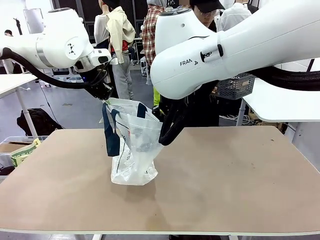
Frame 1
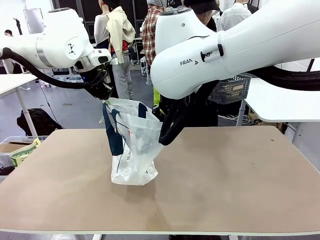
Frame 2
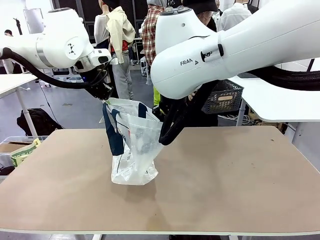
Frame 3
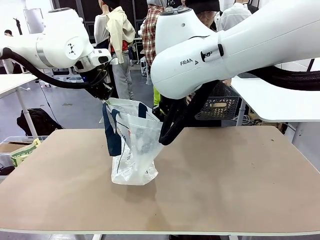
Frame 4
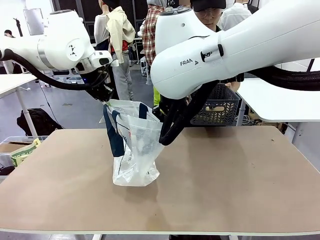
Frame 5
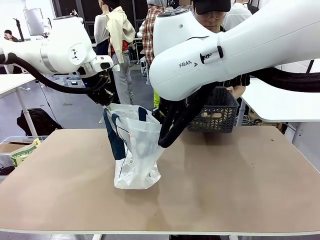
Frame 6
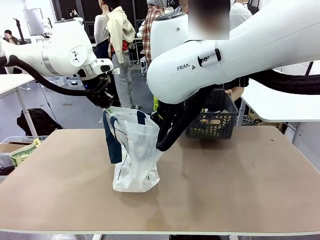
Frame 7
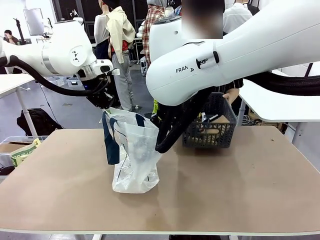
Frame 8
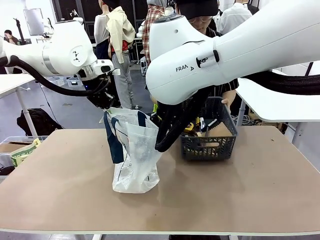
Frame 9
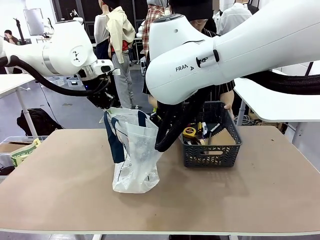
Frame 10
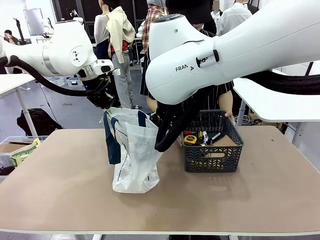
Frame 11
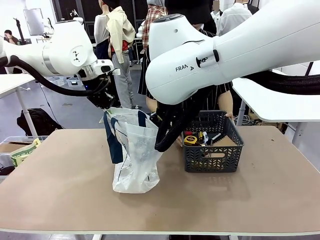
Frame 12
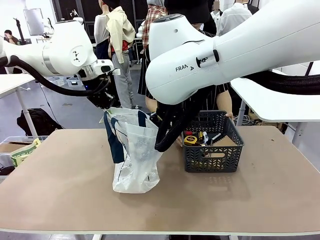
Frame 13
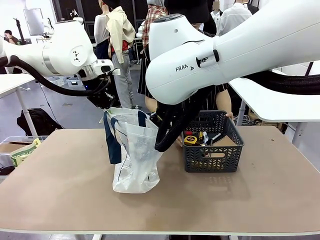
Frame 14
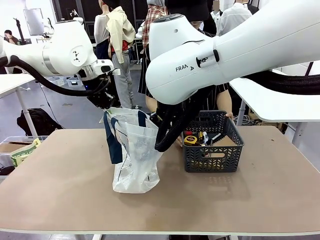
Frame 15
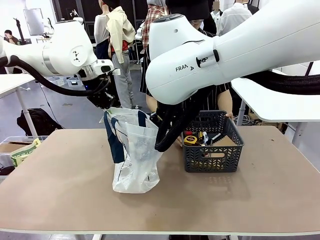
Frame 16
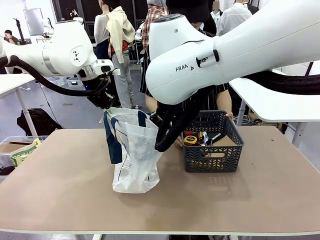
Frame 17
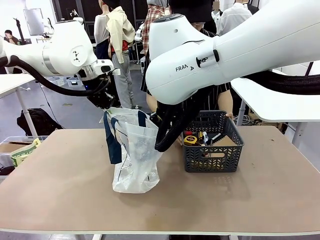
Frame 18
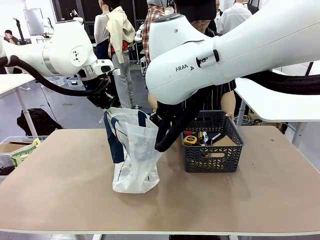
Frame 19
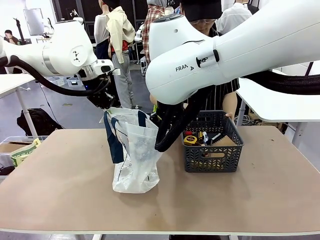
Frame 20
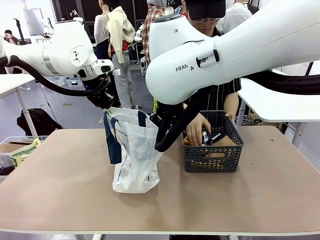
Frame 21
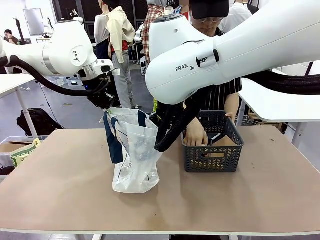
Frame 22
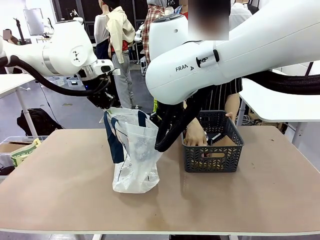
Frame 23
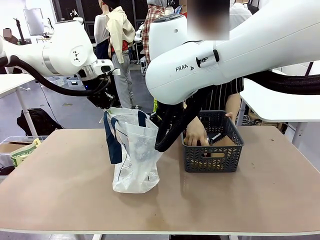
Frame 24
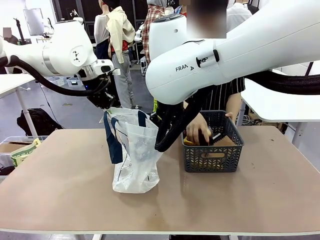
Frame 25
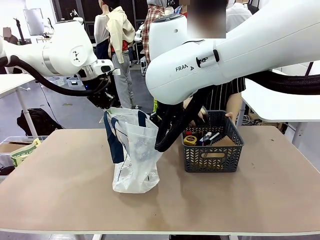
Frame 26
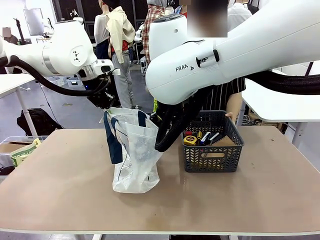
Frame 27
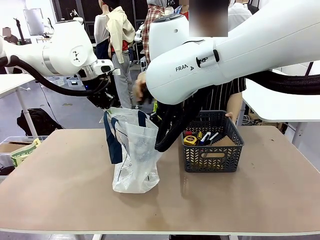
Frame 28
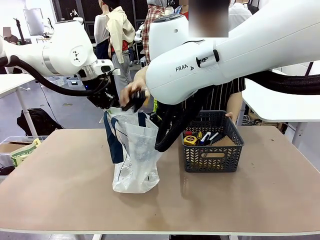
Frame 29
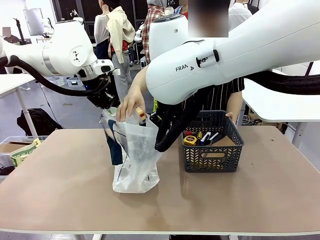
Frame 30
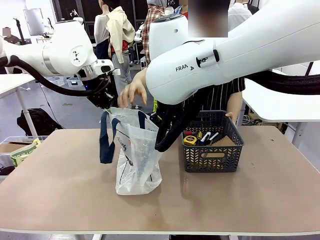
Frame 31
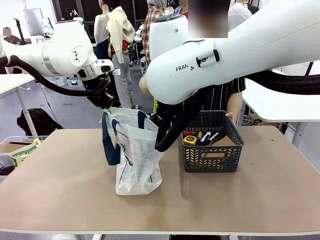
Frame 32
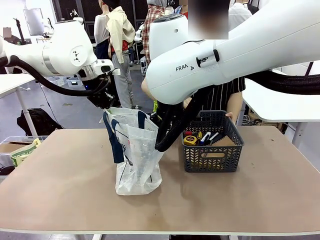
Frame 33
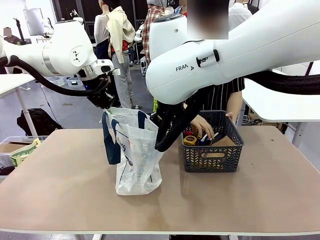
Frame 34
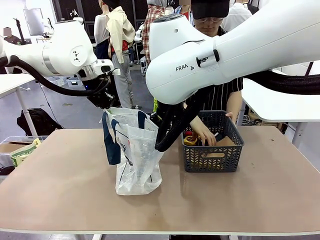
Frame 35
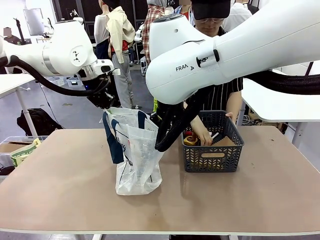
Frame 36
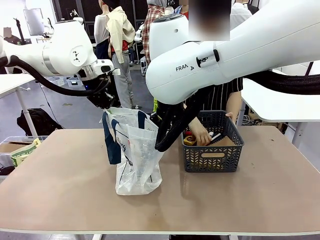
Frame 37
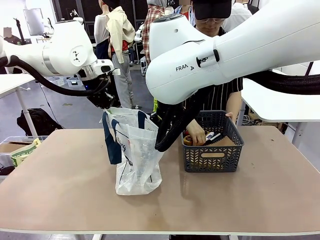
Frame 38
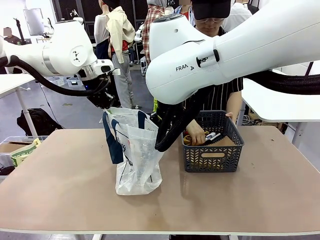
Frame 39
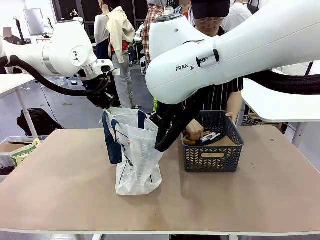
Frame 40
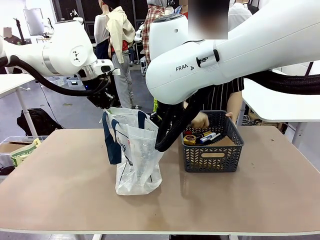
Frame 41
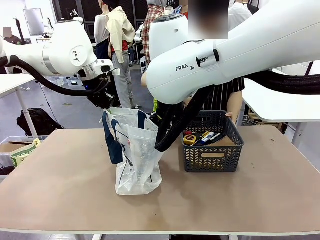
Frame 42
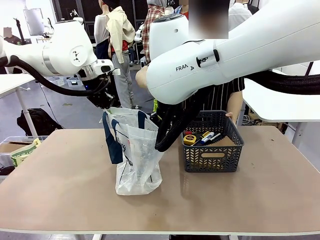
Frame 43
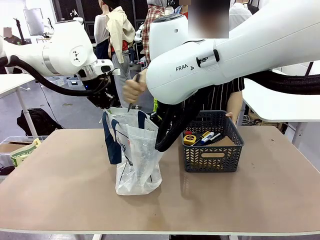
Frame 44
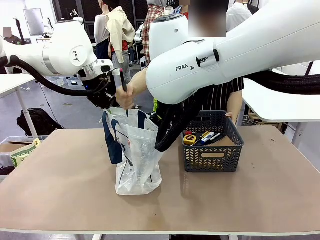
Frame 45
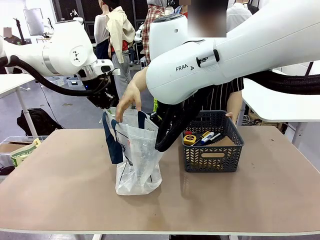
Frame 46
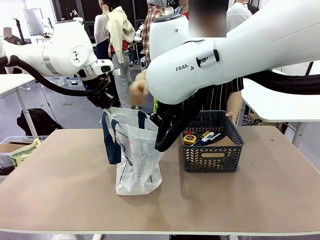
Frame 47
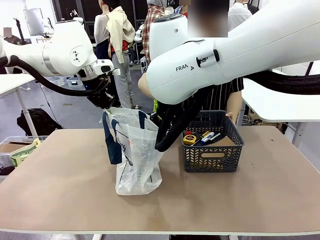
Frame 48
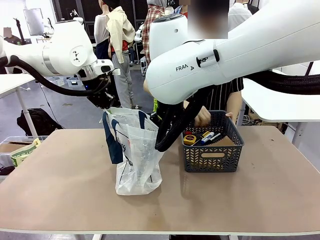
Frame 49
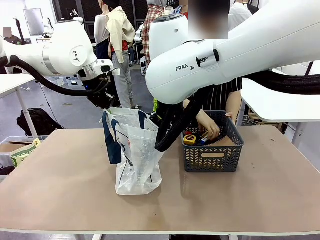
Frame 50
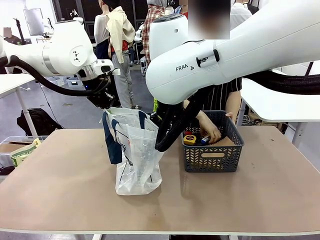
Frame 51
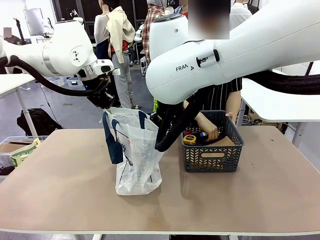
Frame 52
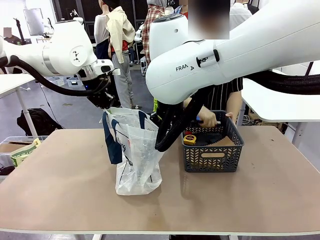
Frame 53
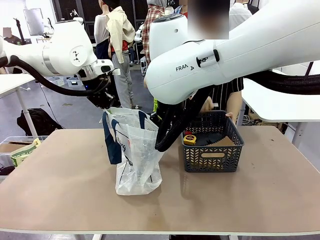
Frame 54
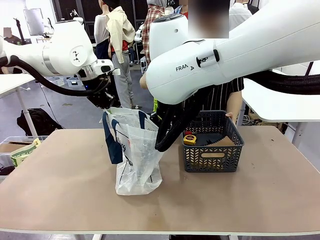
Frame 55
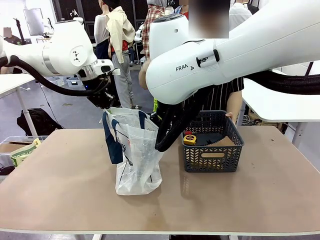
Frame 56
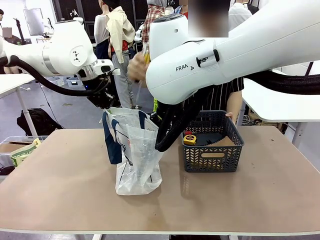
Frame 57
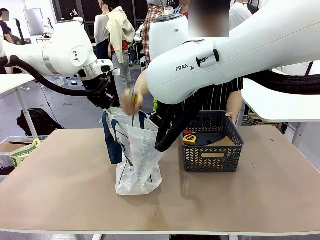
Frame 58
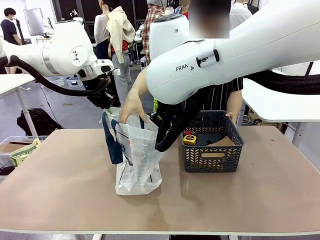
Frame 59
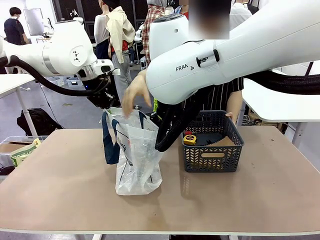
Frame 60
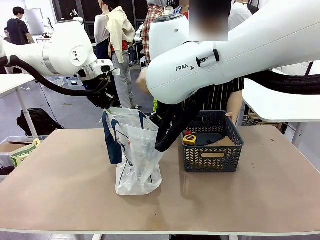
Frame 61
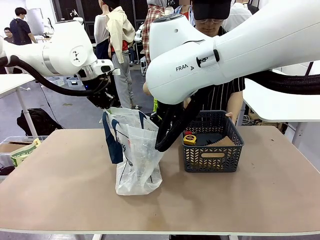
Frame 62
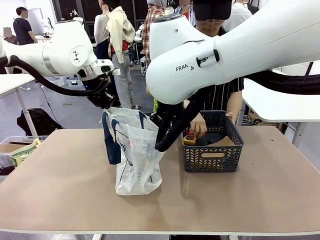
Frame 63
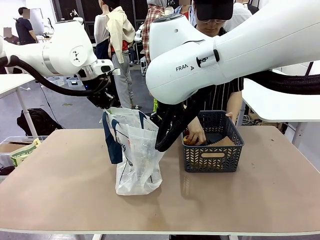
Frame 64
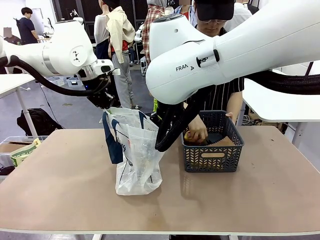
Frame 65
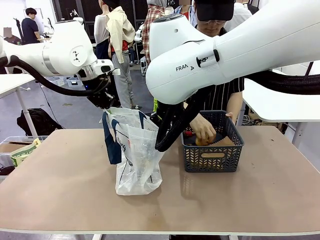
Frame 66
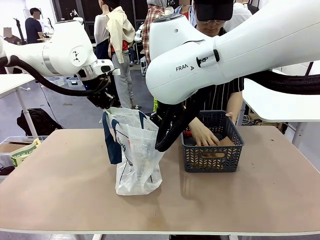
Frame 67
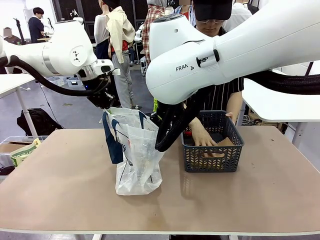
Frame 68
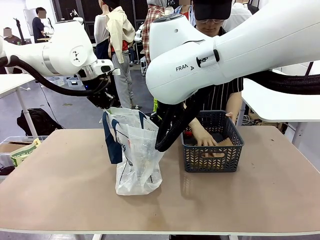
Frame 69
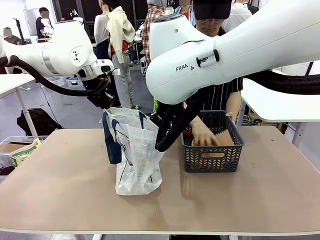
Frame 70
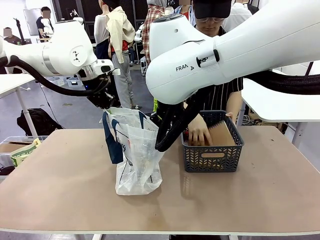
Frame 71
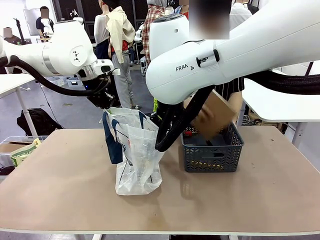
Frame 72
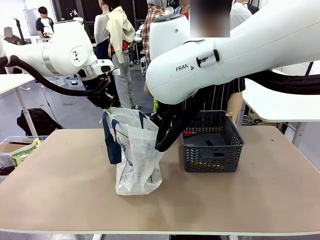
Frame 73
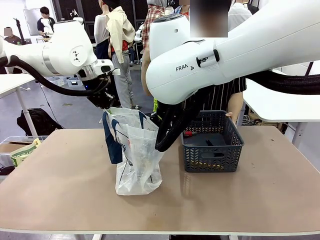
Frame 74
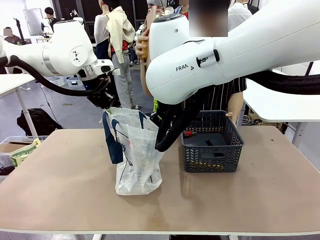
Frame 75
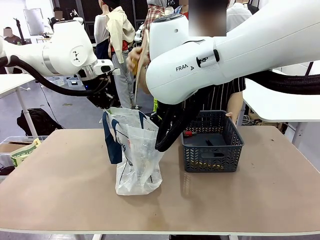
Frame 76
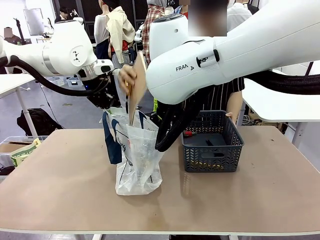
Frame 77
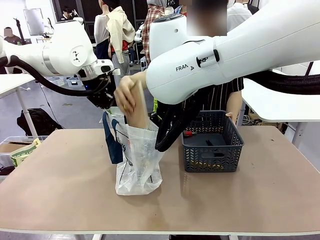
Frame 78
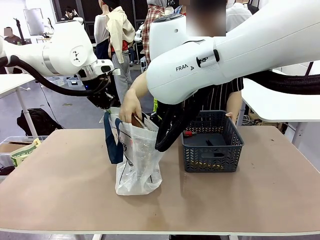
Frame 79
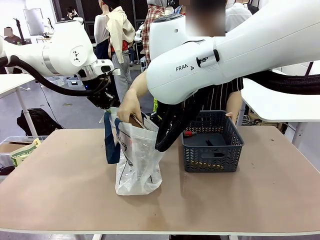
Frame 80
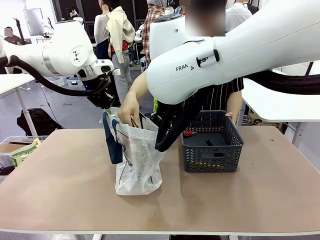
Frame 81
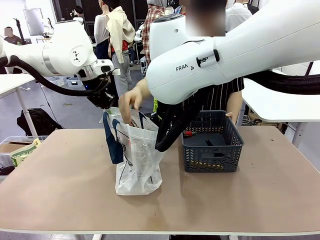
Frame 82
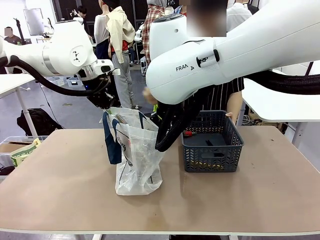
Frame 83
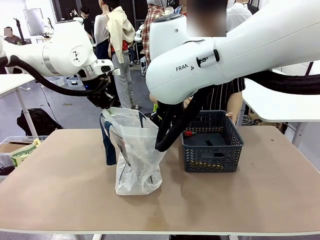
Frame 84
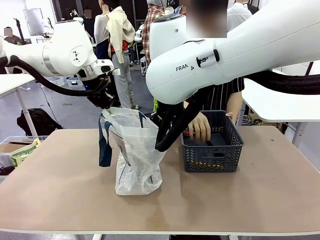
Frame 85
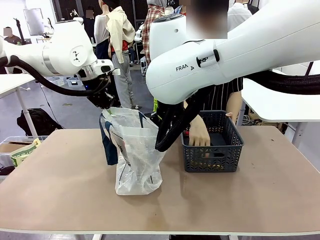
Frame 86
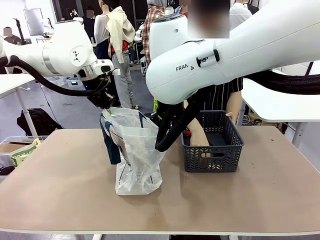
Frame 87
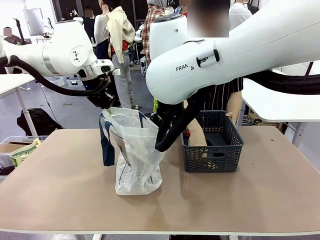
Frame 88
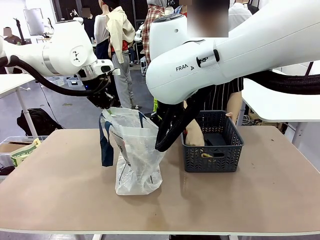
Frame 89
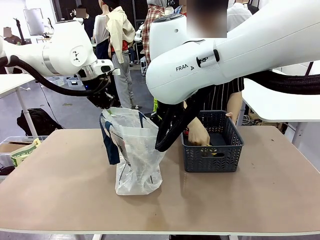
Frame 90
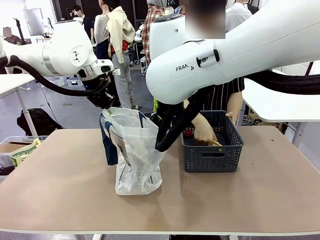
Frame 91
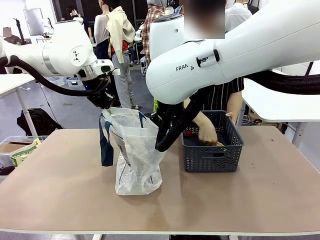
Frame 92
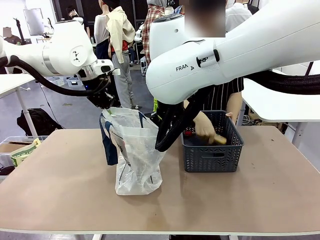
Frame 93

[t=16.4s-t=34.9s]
Task: Transfer purchased items from the store into the shopping bag.
Robot: Move the Reusable shopping bag to the right side of the table.
Person: Pick up the basket with the items out and place it on the right side of the human table.
